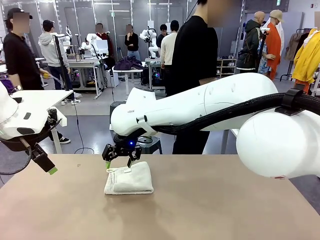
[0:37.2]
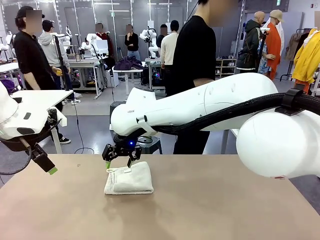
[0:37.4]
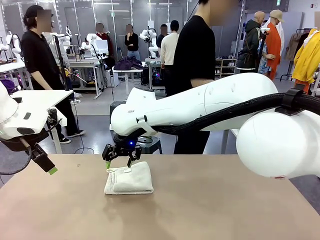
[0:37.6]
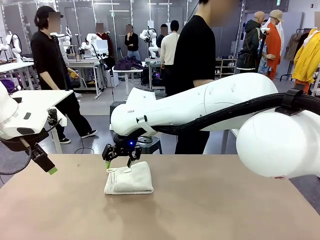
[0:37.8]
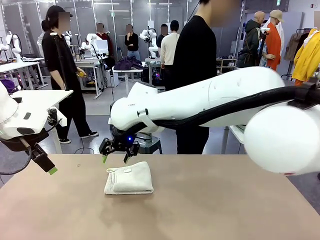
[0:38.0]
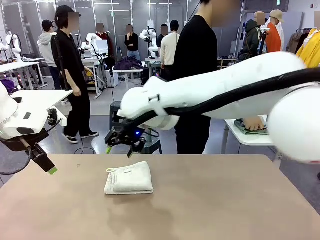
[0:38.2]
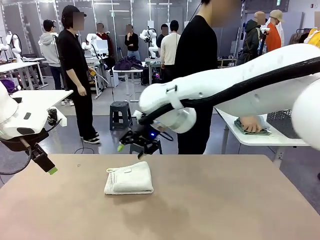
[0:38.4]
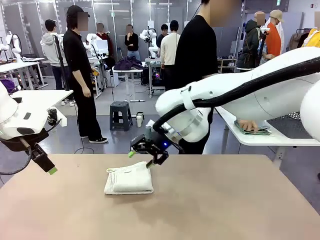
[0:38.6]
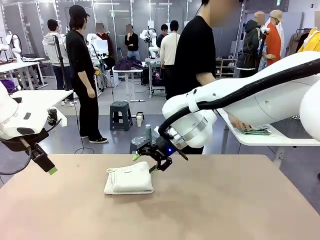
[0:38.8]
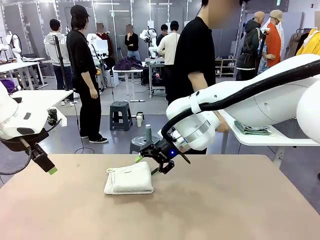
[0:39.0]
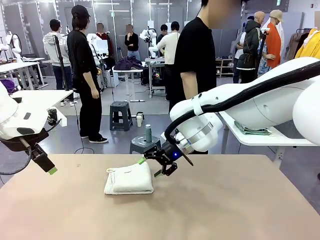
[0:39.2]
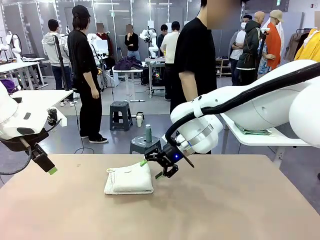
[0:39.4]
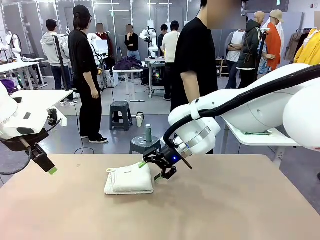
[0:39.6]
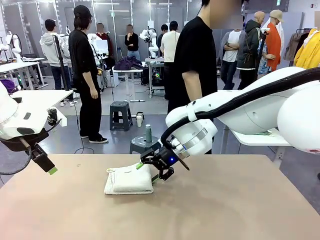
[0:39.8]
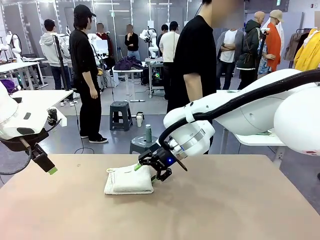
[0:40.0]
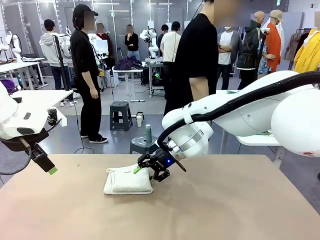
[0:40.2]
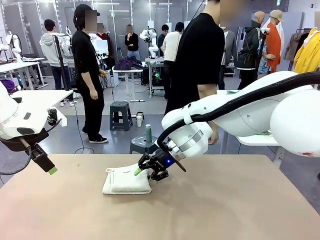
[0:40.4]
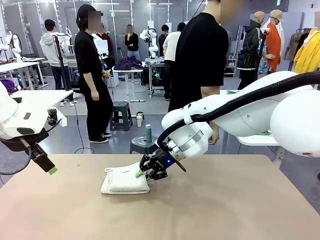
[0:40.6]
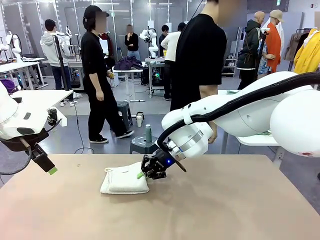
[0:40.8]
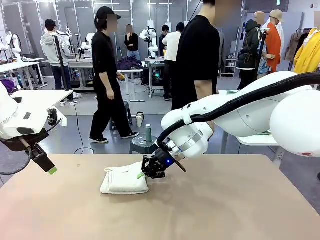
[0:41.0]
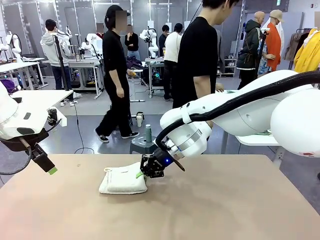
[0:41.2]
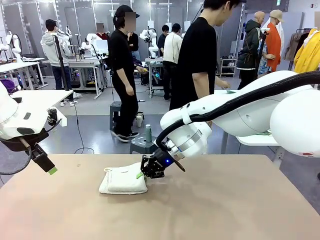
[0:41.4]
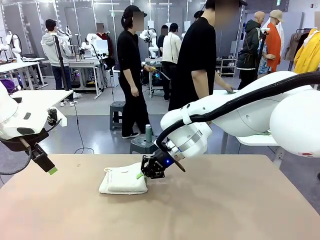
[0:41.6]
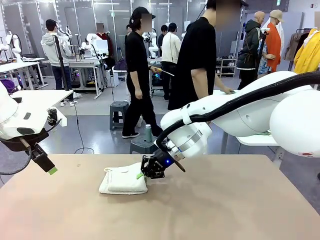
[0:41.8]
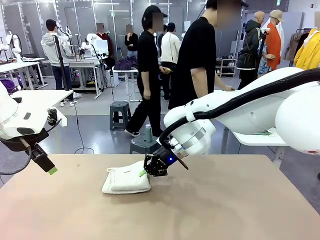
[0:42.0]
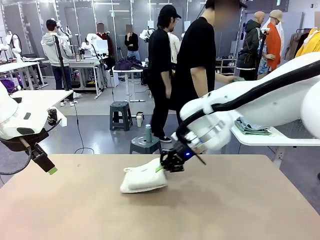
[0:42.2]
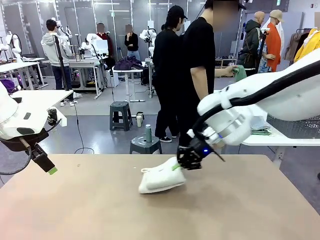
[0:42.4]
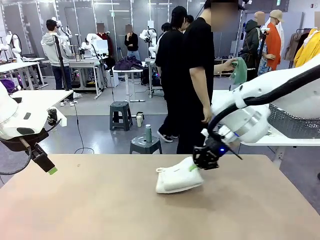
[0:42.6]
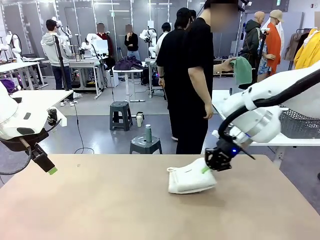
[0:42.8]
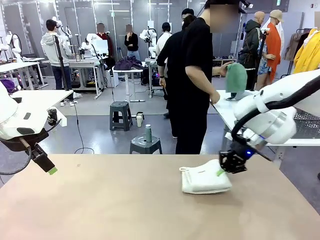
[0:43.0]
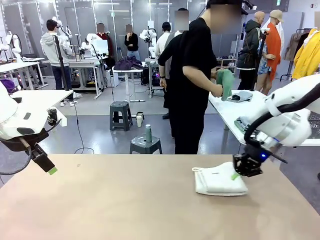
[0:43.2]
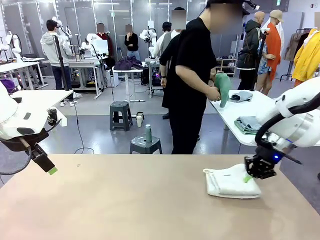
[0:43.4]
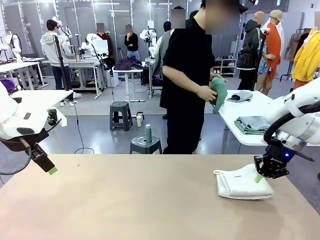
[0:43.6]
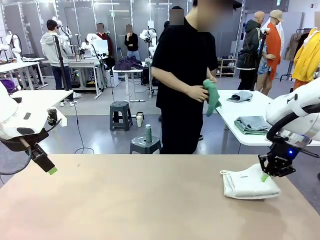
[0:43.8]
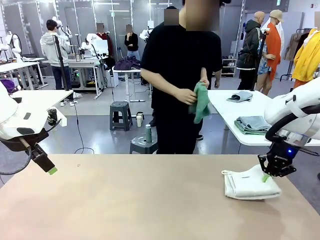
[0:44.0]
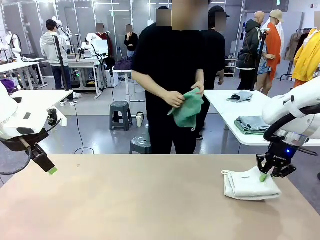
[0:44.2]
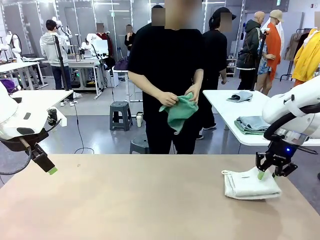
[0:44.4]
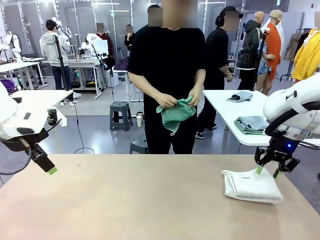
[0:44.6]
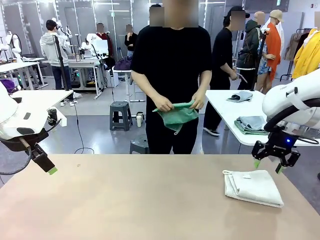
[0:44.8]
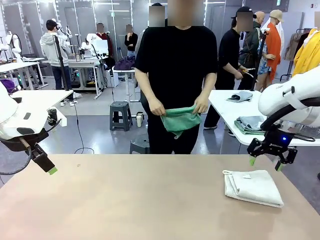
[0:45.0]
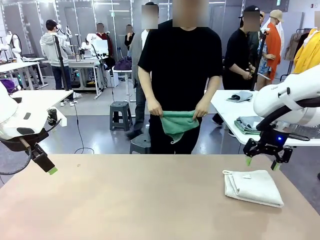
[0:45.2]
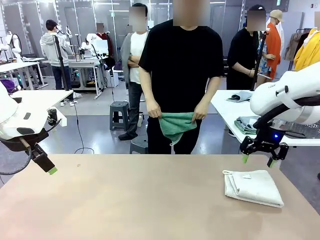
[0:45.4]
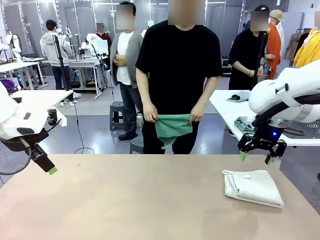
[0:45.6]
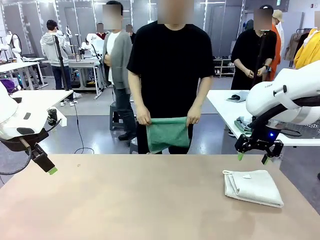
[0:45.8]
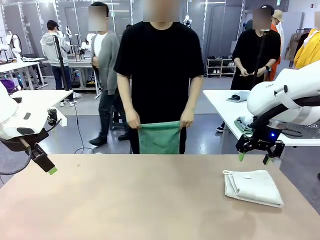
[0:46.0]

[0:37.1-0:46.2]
Task: Fold the towels and place them in the basket.
Robot: Place the folded Towel with hook on the right side of the table.
Person: Pick up one towel from the left side of the human table and spread it out at the center of the robot table.

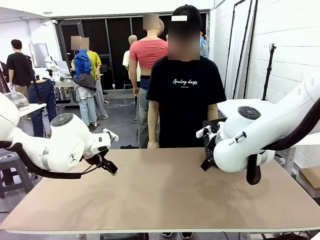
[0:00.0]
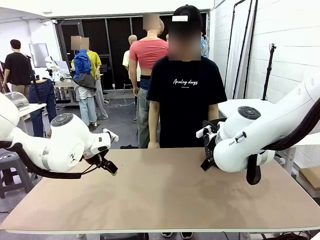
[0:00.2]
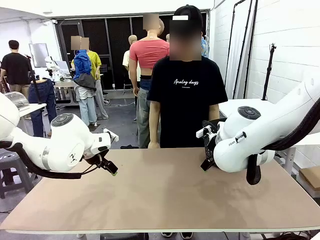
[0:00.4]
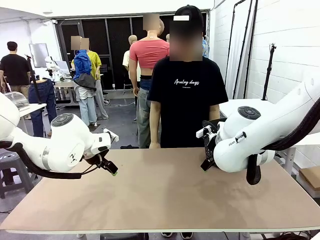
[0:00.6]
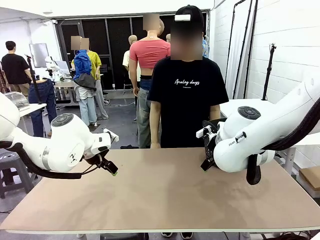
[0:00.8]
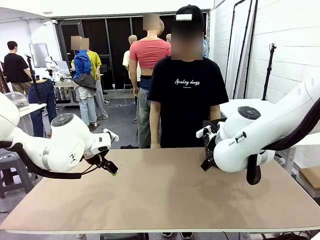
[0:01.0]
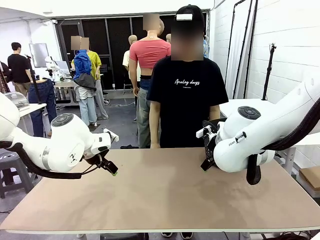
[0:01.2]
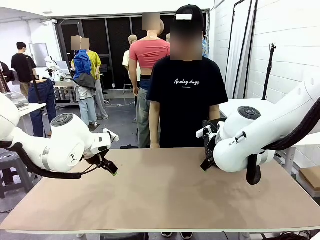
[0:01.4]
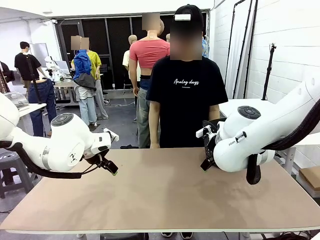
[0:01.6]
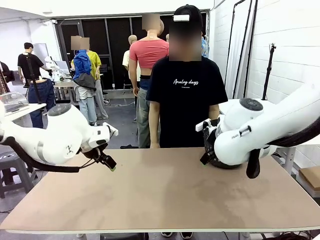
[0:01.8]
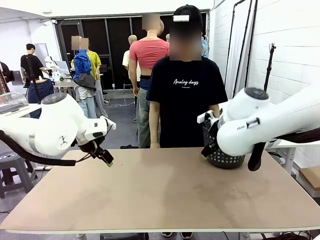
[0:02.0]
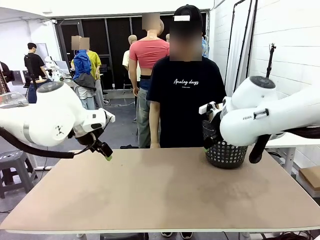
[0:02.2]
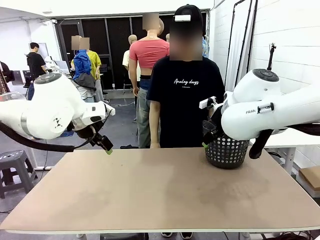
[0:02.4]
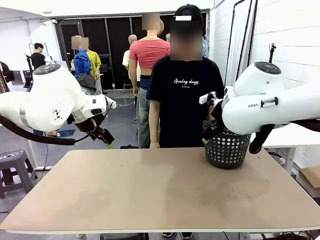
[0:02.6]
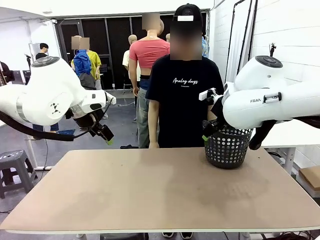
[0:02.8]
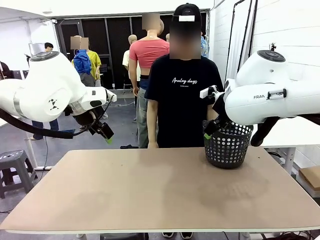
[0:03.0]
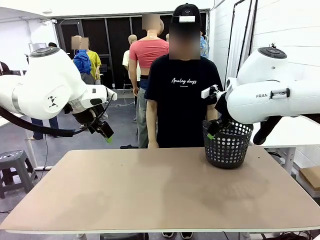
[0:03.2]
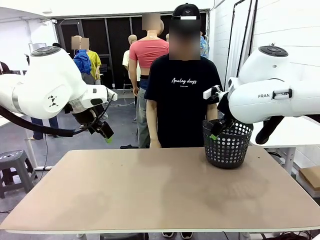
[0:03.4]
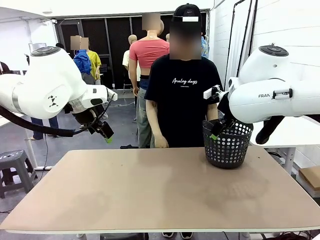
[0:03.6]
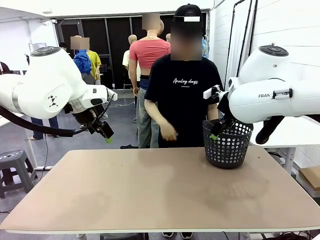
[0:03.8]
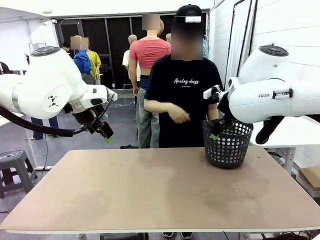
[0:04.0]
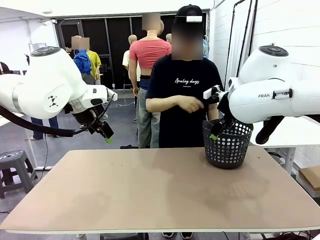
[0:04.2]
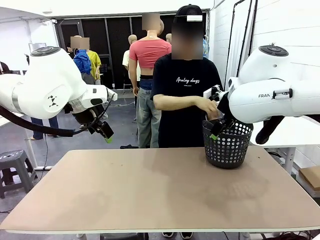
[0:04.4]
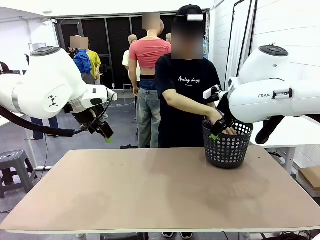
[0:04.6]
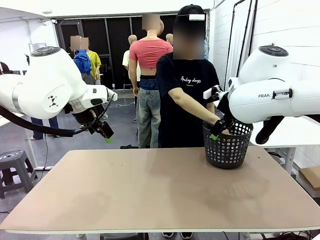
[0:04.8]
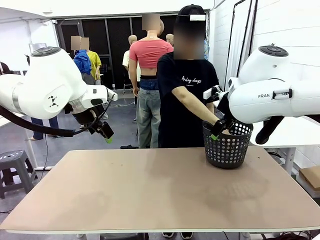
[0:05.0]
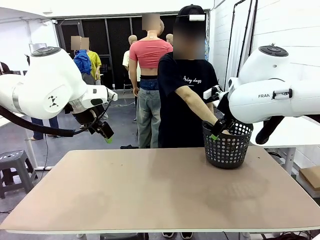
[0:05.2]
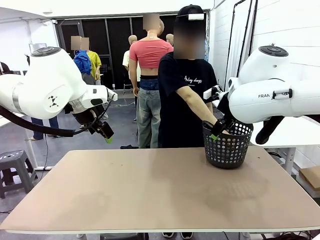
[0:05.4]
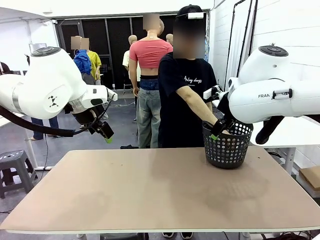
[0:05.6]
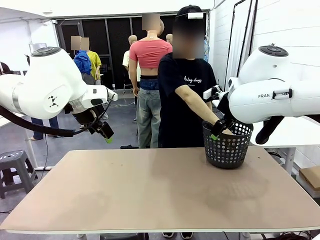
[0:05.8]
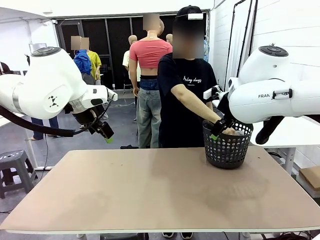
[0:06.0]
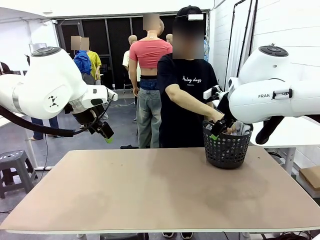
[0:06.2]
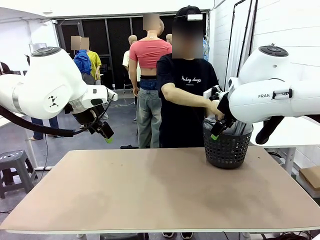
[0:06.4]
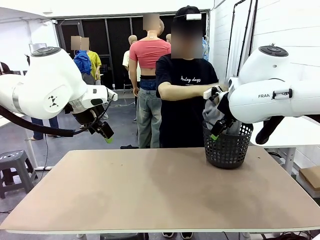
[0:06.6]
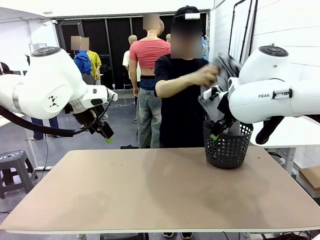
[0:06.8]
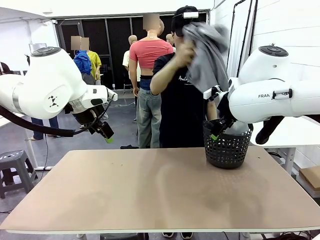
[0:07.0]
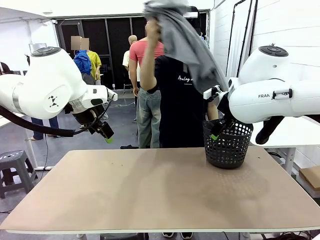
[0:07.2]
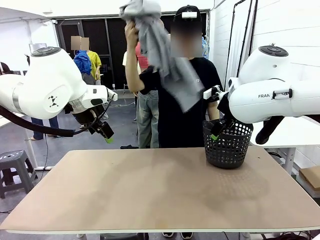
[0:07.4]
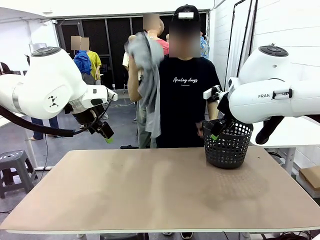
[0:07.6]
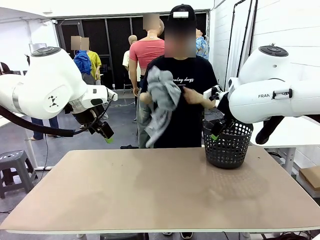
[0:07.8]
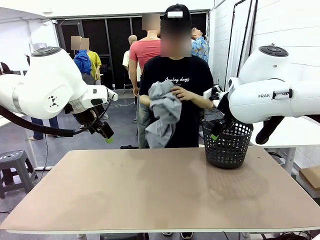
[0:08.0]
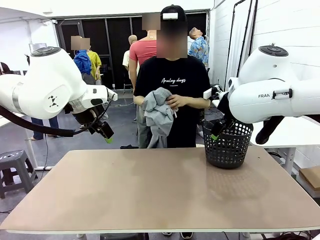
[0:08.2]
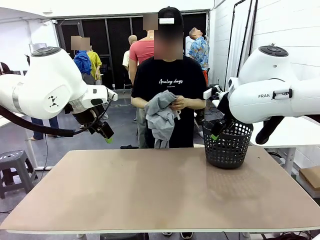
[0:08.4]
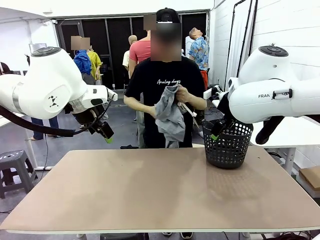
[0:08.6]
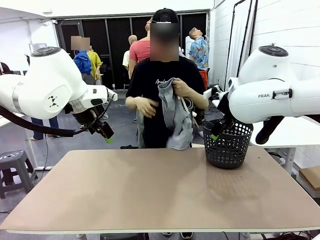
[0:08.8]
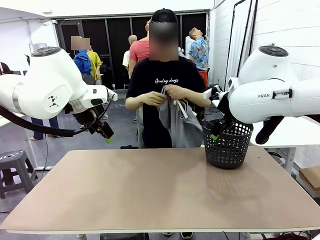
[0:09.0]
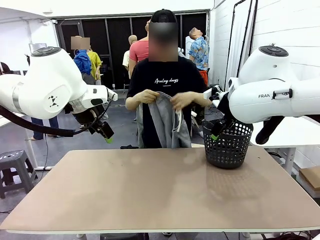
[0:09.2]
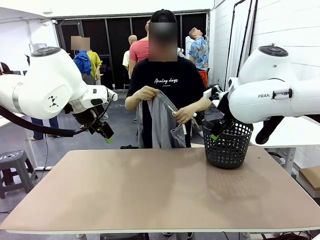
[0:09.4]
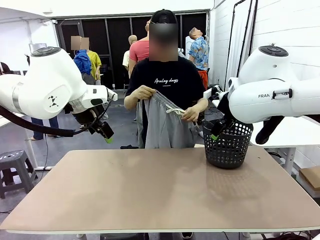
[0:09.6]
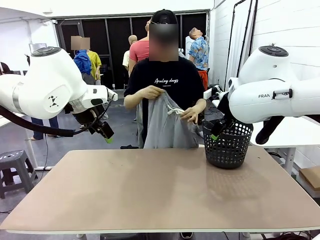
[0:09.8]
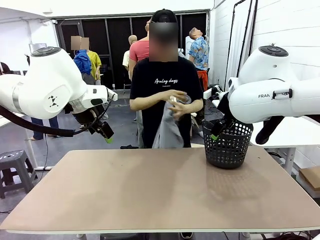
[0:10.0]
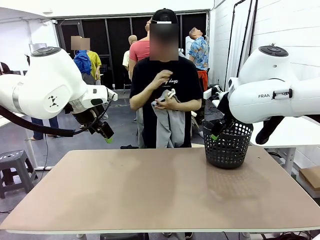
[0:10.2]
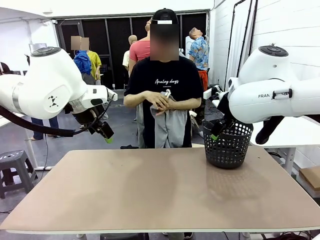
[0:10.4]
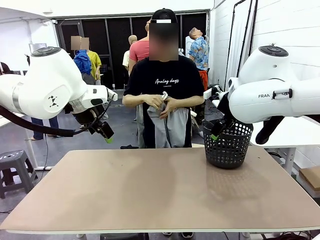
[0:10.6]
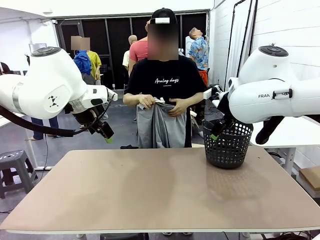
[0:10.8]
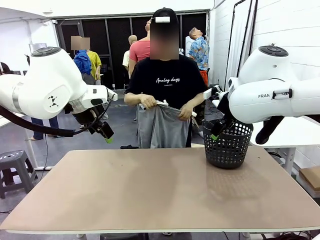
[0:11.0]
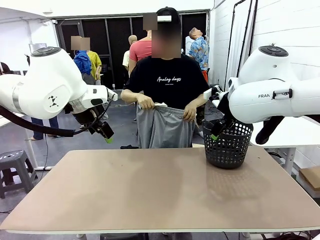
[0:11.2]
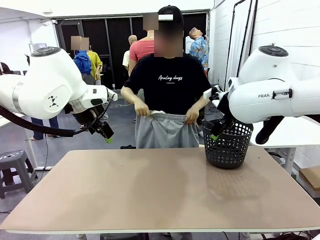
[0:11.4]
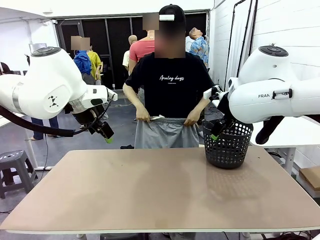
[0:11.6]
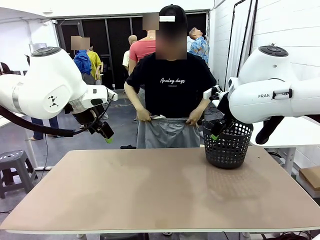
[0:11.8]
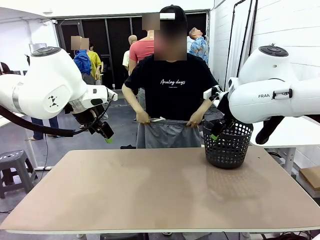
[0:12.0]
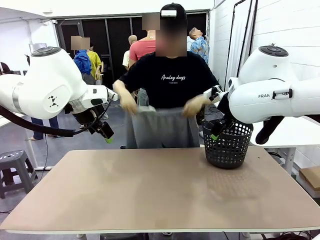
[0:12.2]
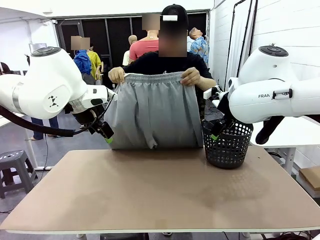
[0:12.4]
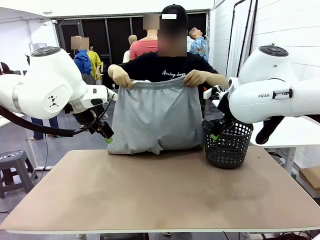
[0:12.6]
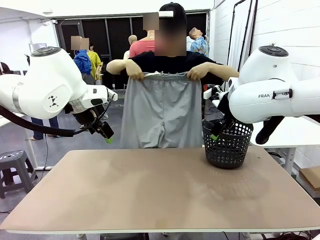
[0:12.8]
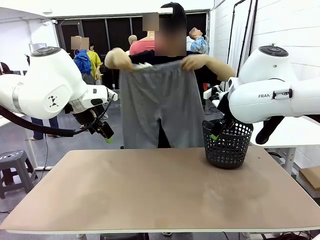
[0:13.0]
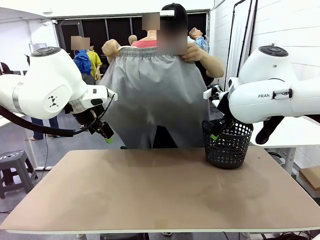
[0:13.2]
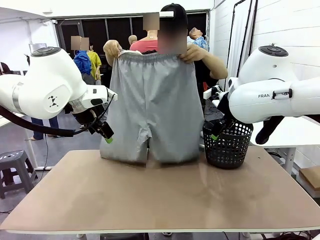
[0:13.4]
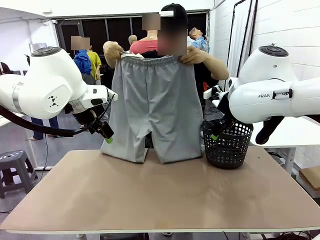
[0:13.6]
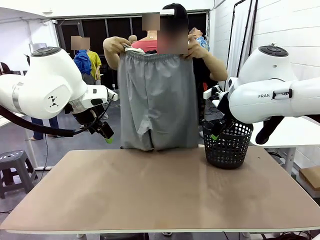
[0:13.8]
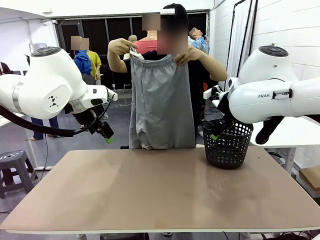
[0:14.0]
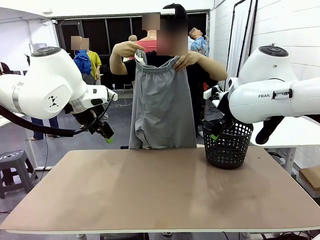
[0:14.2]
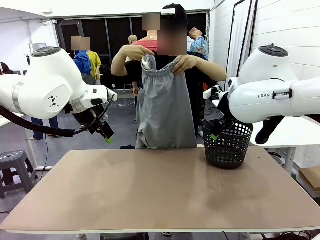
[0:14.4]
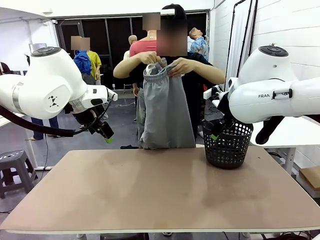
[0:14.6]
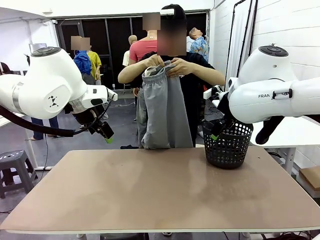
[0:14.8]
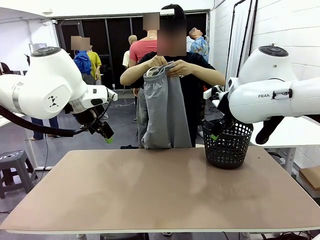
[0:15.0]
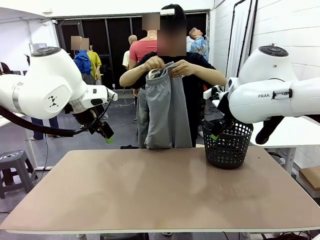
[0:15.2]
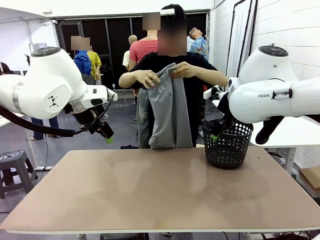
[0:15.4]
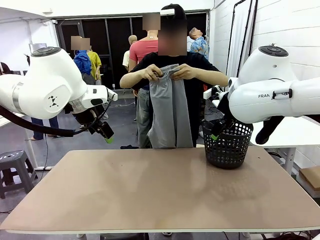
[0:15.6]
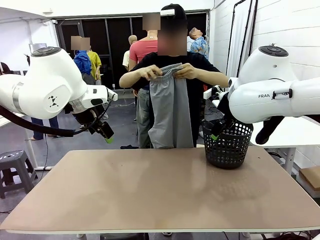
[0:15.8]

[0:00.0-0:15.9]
Task: Fold the training pants.
Robot: Grab both ends of the Training pants handed by a person.
Person: Take the long pants out of the laundry basket, unfold them, fold the waist in half, and extend them so the robot can pick up both corners.
